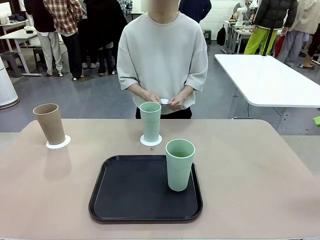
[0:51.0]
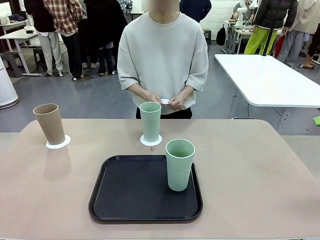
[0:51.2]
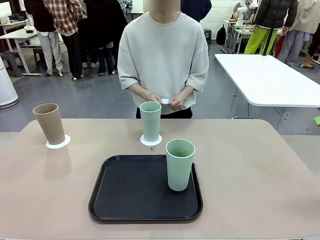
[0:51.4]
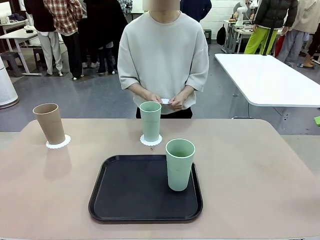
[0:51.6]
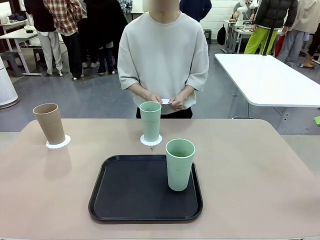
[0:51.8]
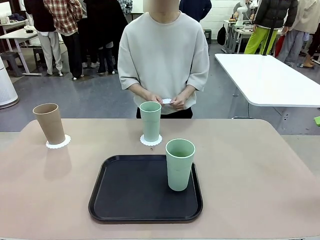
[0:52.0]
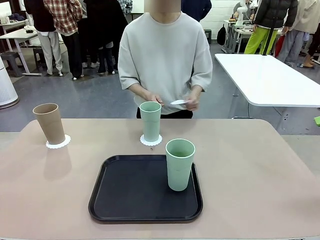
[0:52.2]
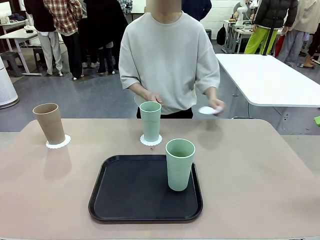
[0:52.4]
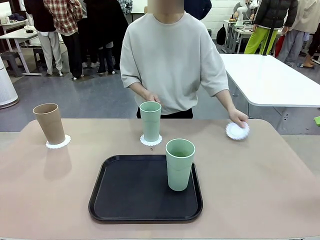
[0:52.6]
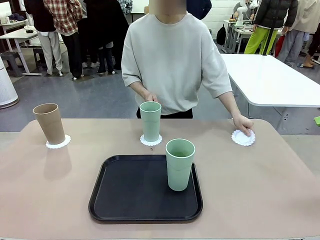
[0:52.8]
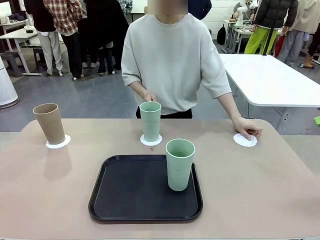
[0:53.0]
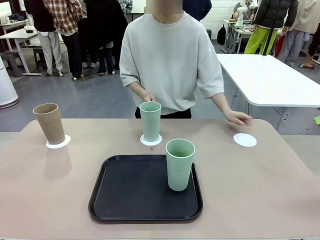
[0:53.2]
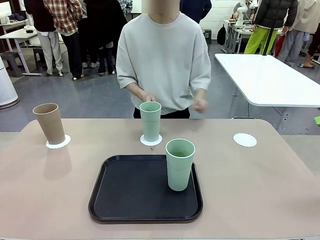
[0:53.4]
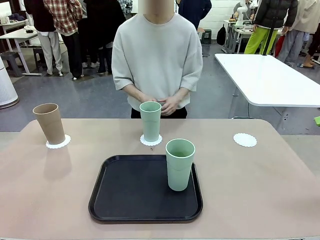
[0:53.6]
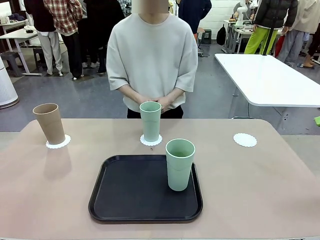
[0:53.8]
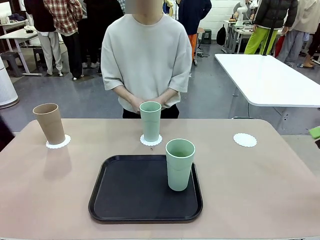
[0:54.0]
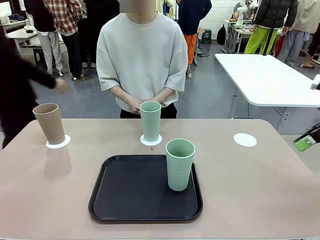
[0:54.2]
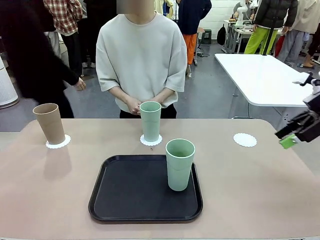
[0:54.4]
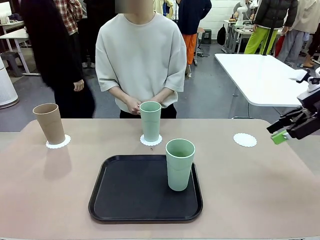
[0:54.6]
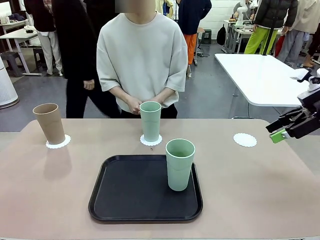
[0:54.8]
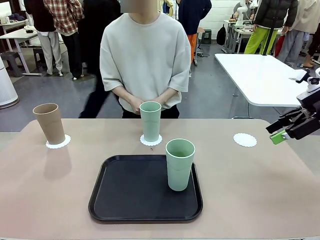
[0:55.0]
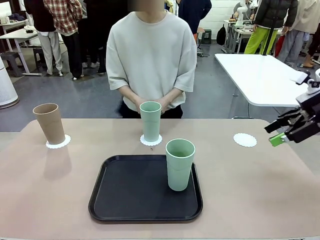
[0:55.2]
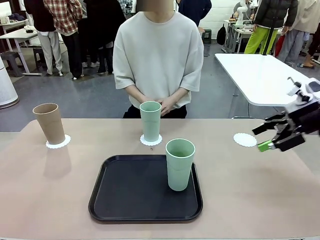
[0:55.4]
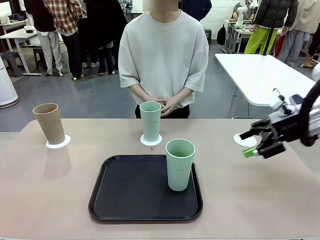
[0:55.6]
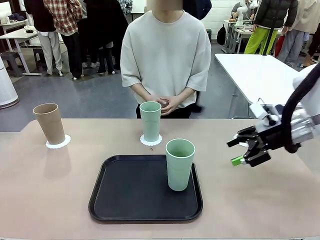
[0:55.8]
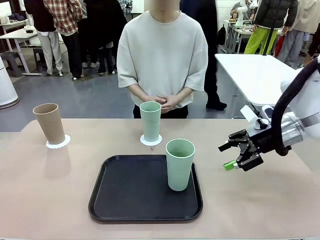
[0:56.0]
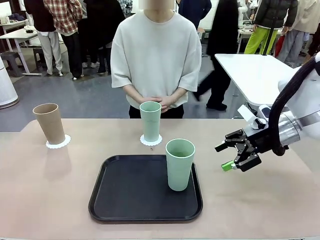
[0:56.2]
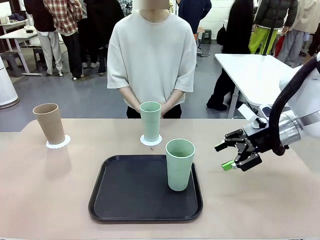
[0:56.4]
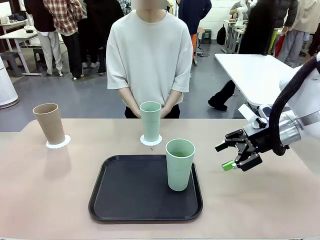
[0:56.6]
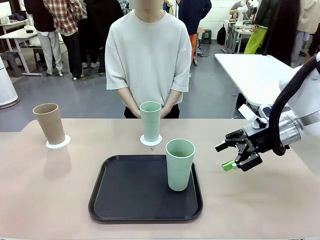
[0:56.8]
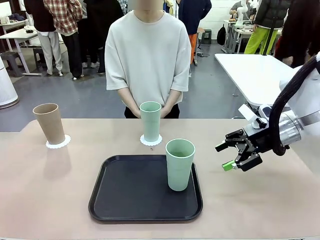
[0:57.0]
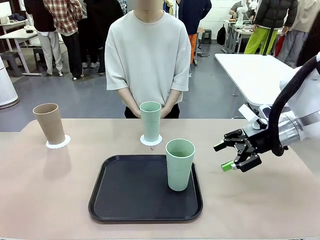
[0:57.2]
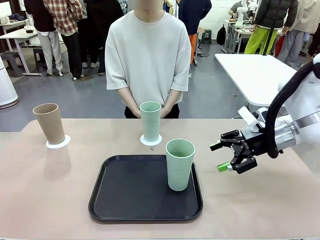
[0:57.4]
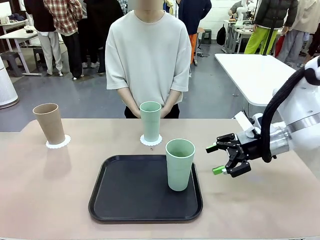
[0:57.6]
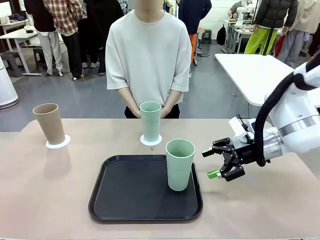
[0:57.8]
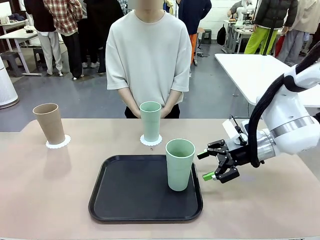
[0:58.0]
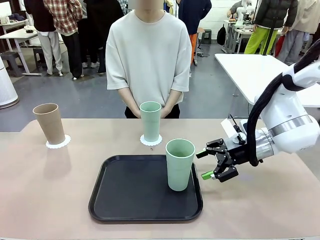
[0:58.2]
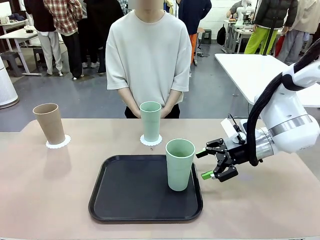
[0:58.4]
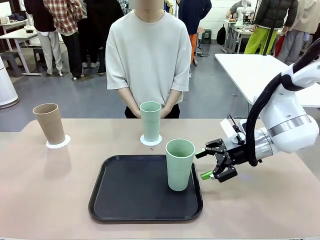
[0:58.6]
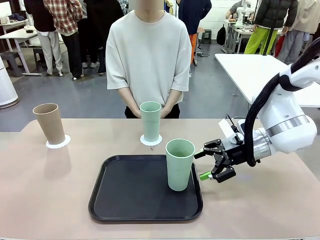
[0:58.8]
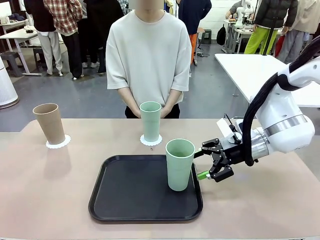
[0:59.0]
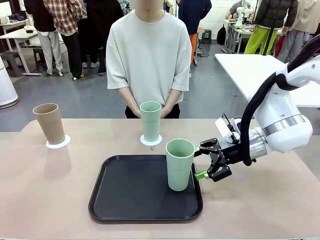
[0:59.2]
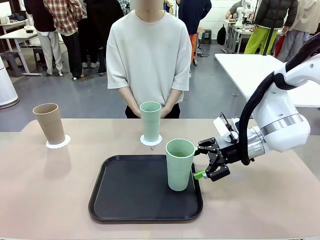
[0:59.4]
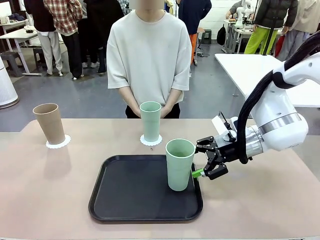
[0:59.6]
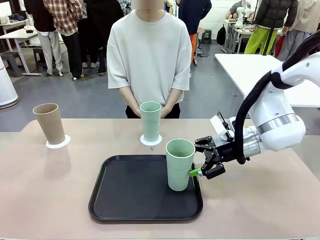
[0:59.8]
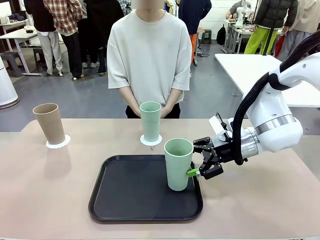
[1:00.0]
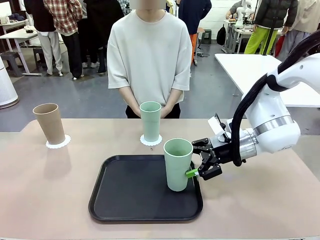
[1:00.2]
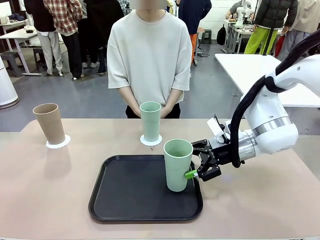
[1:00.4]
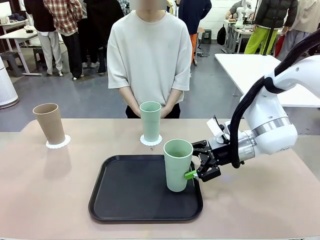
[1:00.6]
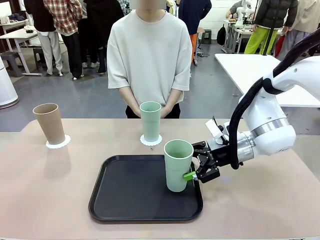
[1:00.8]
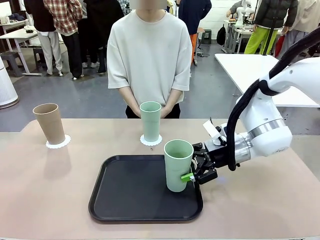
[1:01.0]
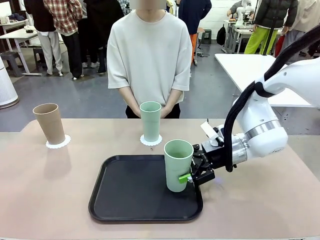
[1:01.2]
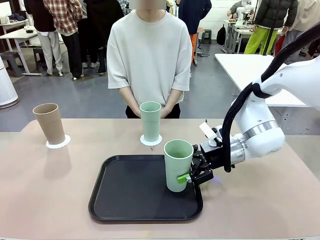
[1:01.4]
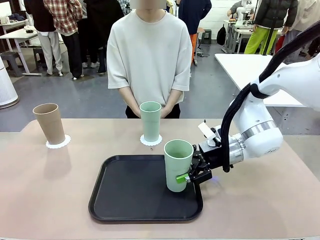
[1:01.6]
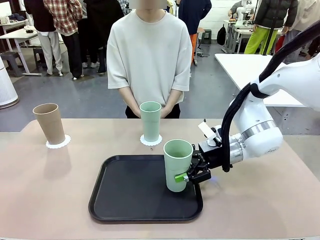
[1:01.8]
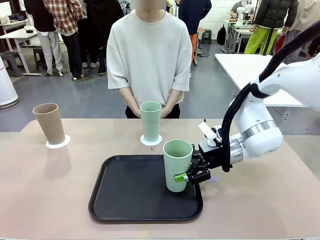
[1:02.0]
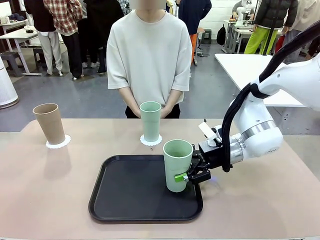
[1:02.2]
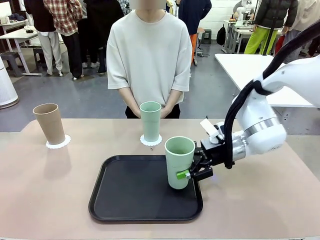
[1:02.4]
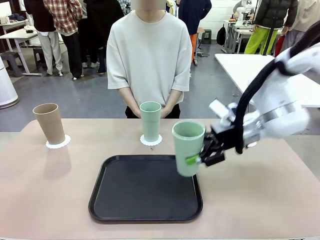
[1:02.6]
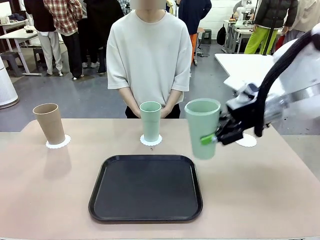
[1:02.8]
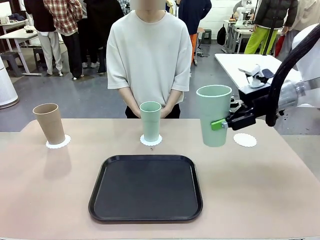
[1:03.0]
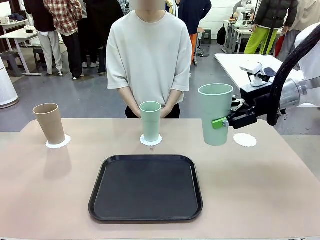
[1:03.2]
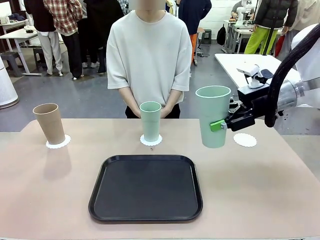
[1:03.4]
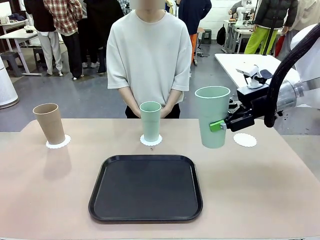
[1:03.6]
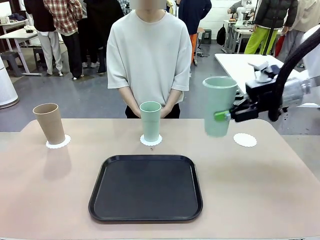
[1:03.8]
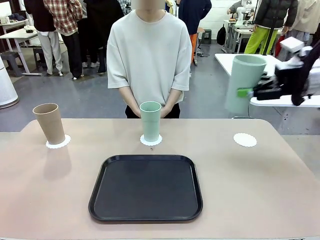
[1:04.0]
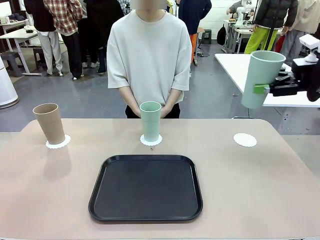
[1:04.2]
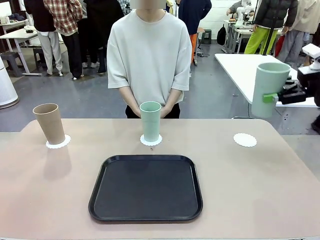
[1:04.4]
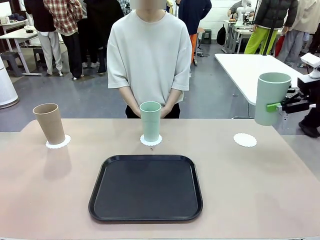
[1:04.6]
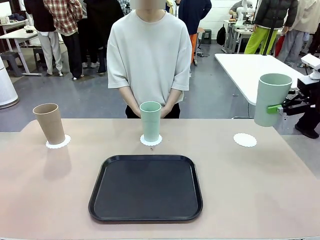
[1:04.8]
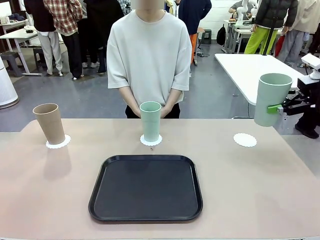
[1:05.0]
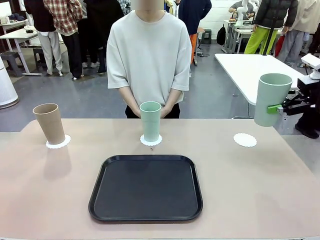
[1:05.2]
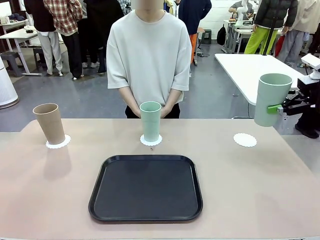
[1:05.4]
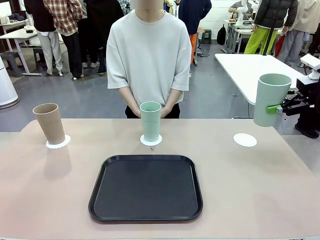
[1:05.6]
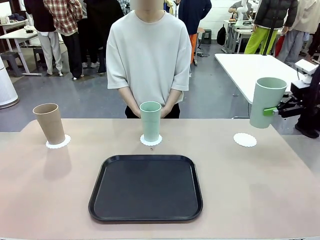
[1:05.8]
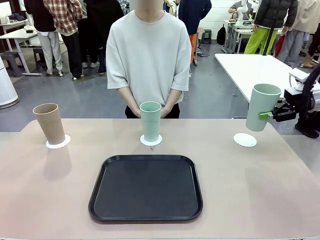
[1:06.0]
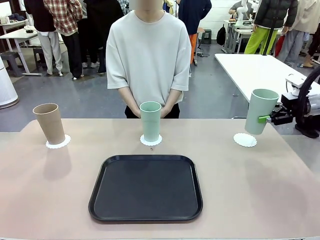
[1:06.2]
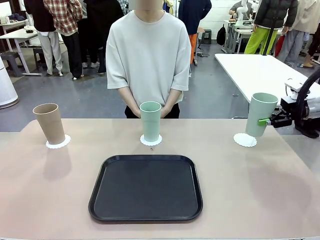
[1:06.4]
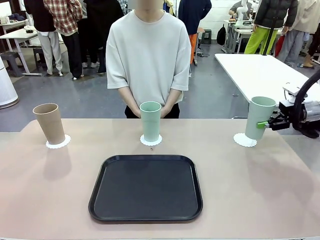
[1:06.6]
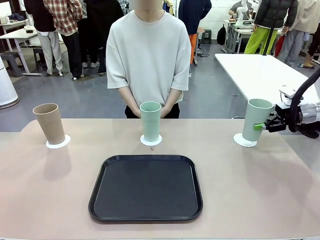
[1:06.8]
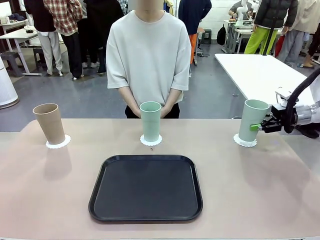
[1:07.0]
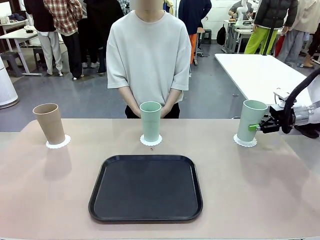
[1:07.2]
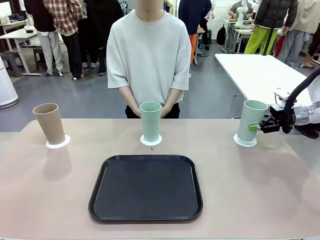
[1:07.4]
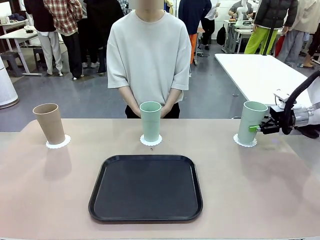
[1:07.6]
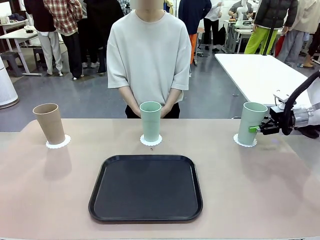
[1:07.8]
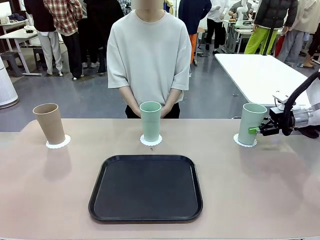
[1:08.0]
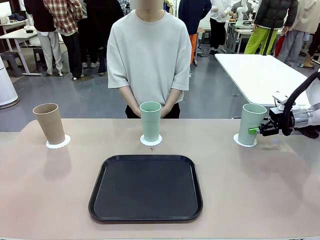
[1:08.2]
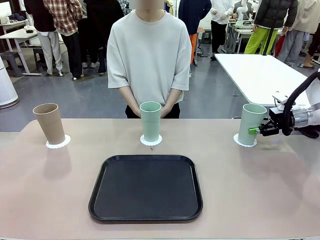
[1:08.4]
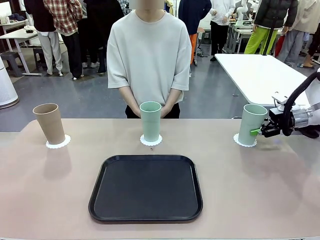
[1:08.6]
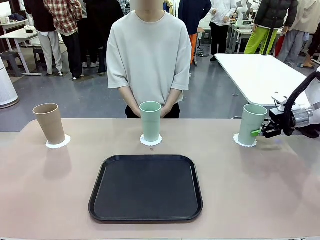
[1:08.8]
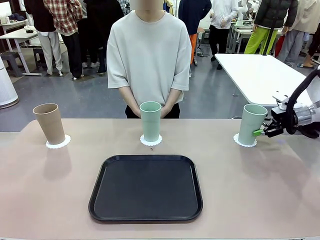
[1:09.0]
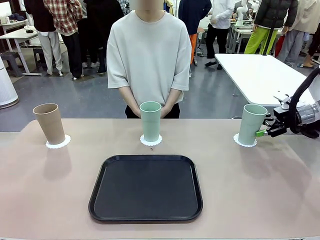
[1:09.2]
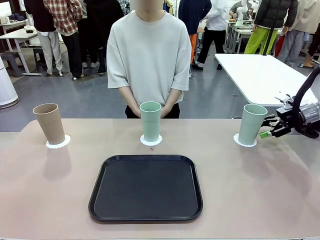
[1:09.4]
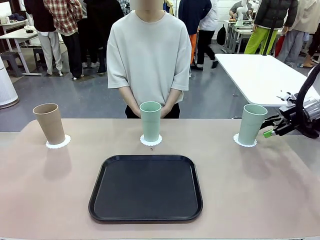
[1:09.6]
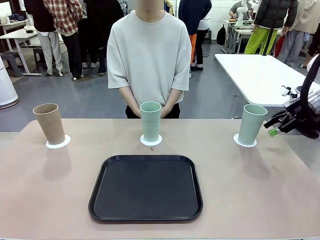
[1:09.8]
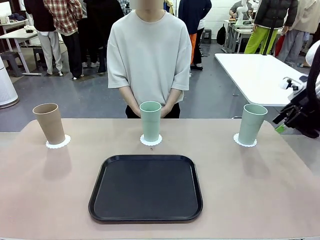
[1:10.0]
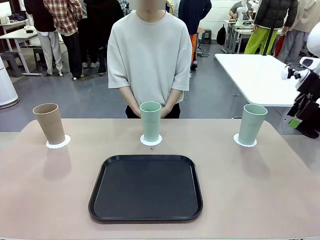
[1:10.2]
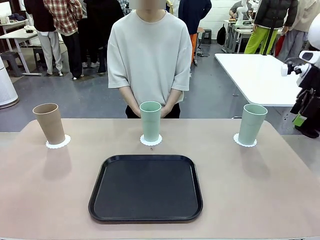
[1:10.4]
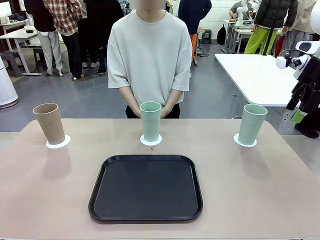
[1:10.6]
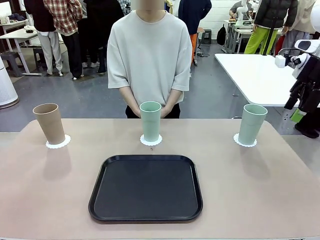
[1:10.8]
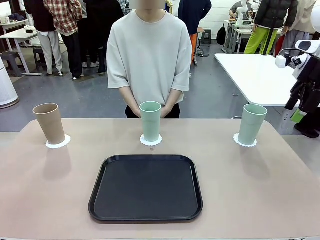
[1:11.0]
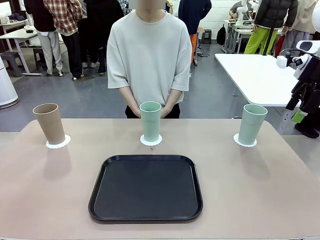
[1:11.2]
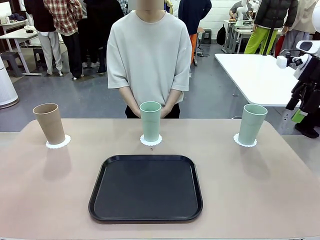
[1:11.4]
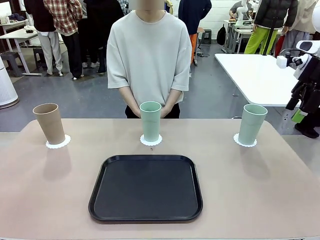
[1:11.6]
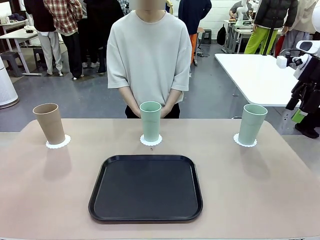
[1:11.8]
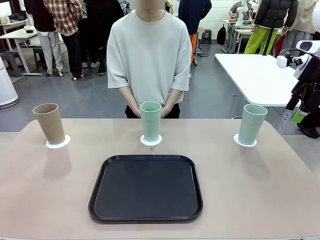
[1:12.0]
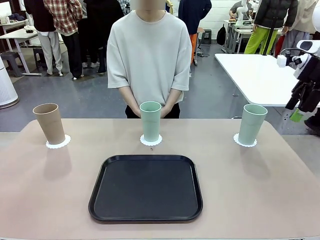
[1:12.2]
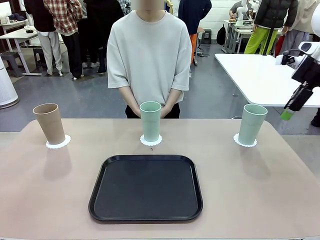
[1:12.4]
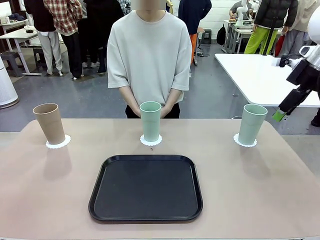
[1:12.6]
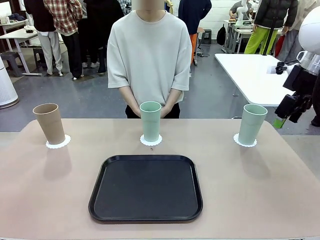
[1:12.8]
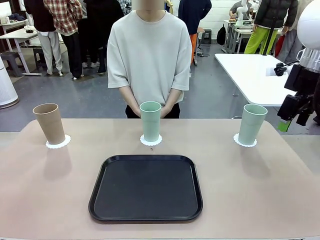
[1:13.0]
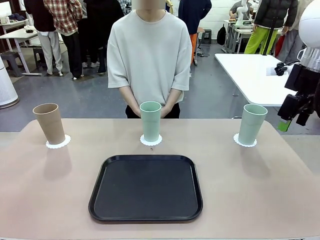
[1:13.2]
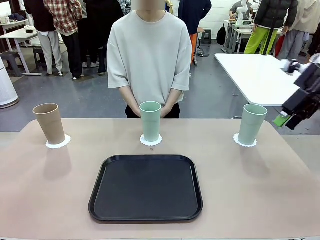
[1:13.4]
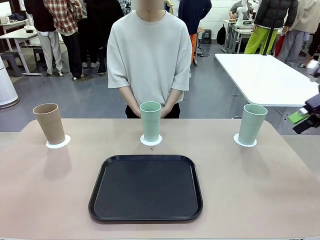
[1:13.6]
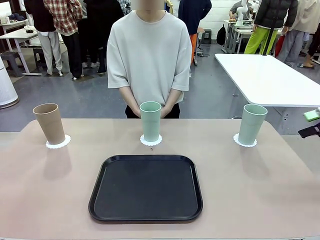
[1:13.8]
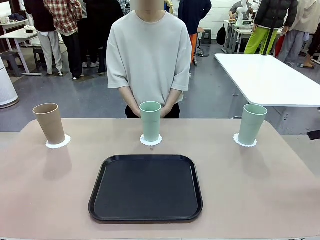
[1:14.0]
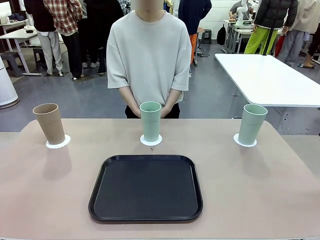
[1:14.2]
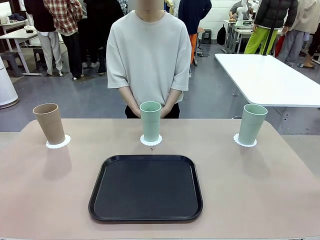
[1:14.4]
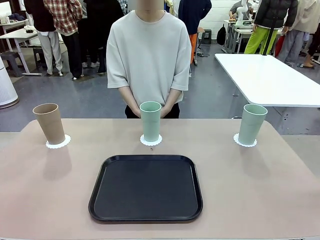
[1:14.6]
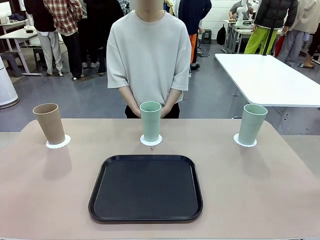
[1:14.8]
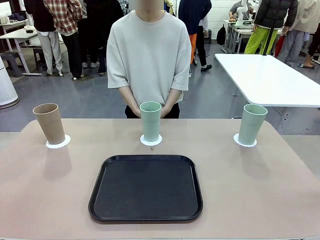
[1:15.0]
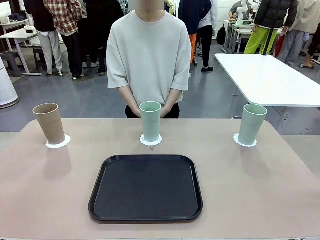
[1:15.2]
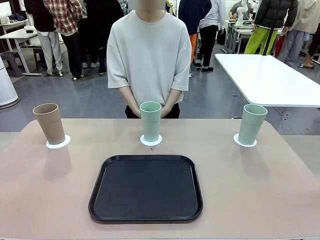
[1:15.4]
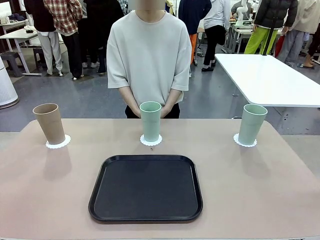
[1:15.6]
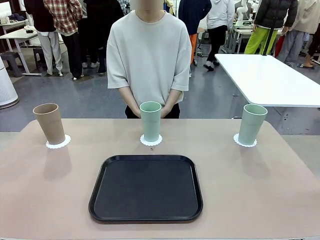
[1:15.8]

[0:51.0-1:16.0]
Task: Place coasters on the table and set cups on them.
Robot: Take one Reusable plastic cup from the Flat Tray and place it on a coaster set by the human.
Person: Place one coaster in the only remaining area.
